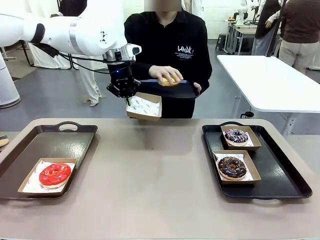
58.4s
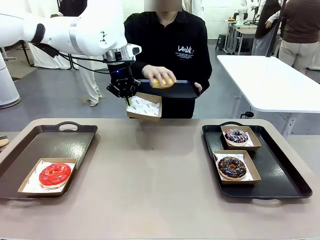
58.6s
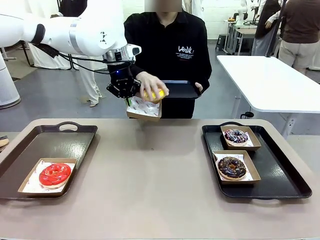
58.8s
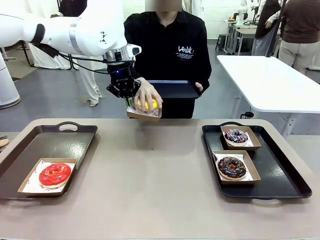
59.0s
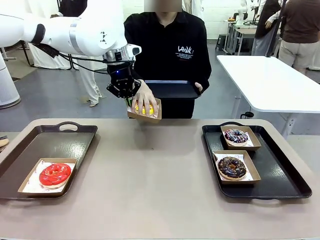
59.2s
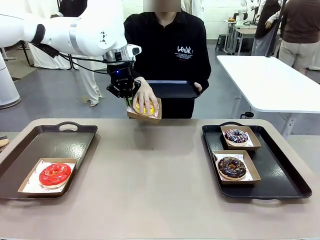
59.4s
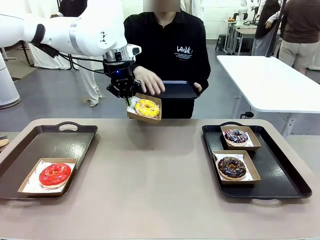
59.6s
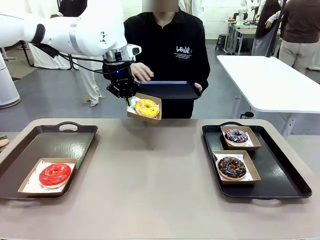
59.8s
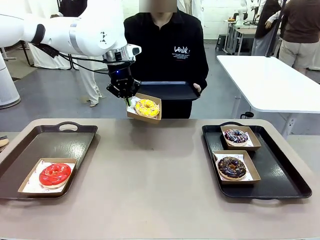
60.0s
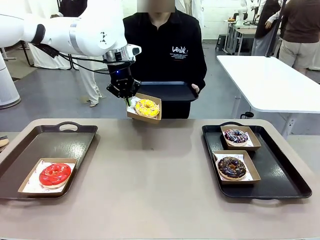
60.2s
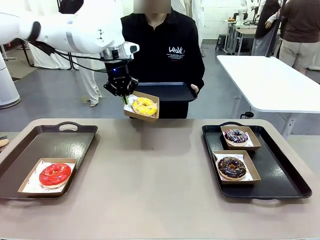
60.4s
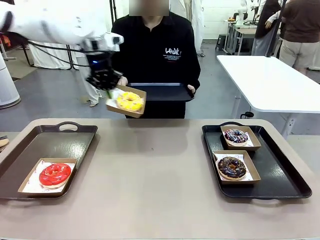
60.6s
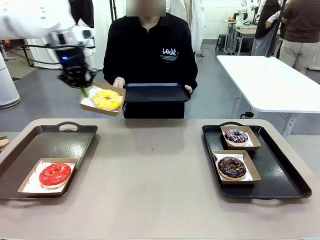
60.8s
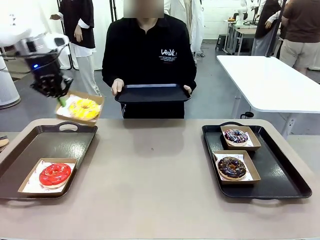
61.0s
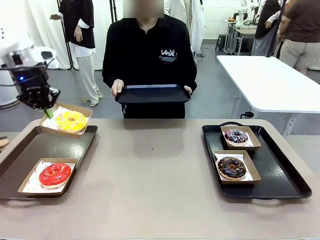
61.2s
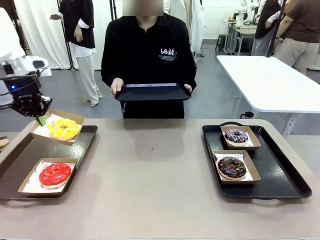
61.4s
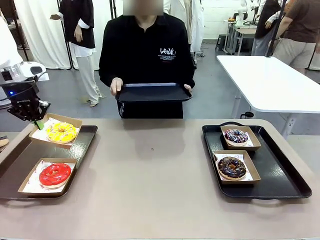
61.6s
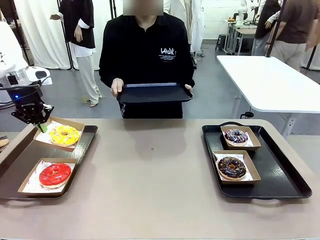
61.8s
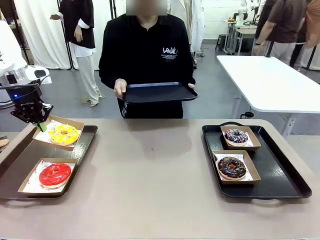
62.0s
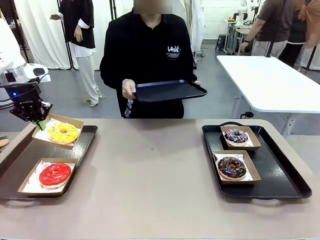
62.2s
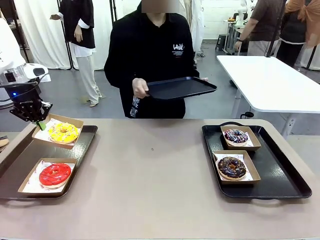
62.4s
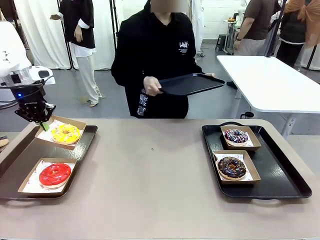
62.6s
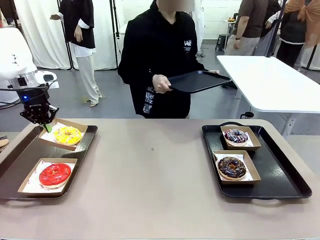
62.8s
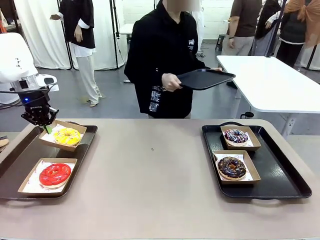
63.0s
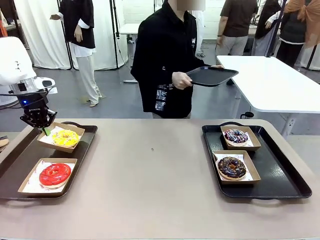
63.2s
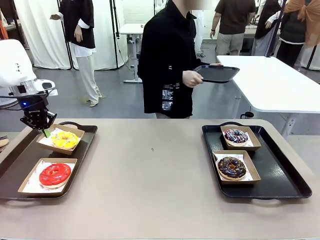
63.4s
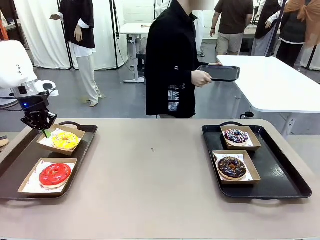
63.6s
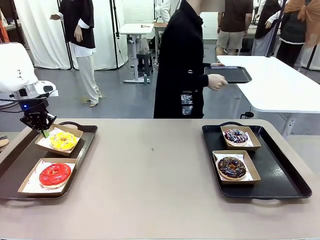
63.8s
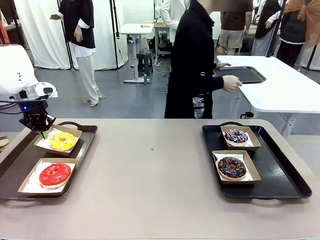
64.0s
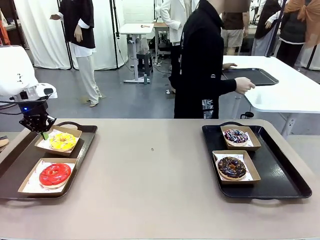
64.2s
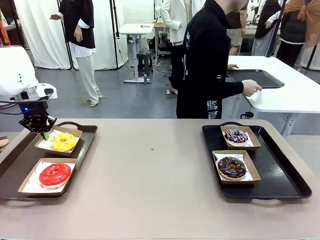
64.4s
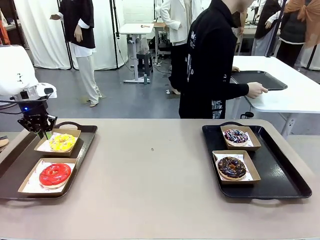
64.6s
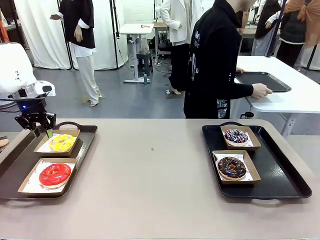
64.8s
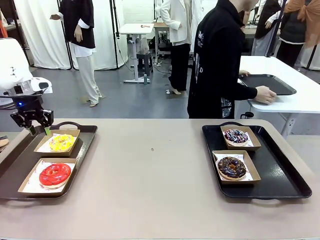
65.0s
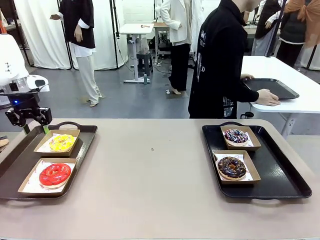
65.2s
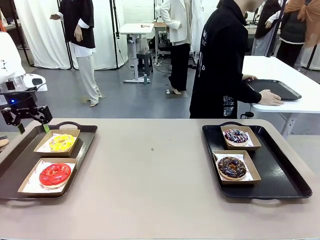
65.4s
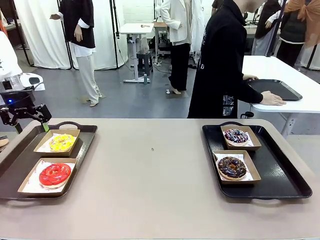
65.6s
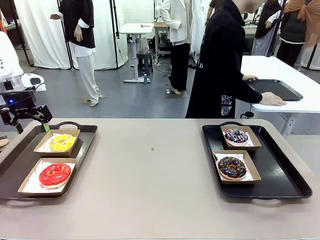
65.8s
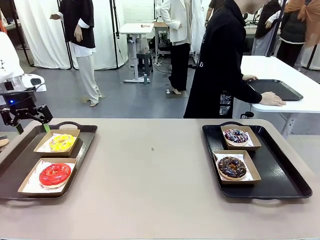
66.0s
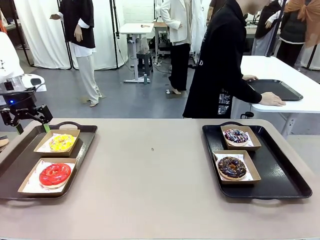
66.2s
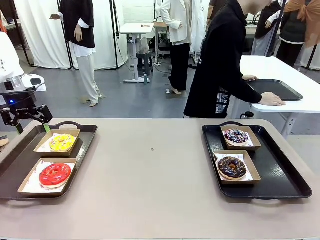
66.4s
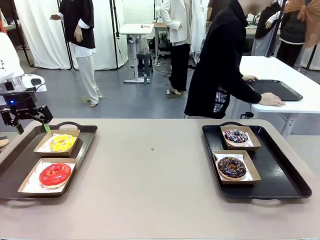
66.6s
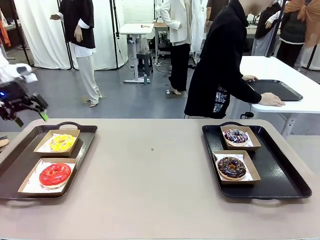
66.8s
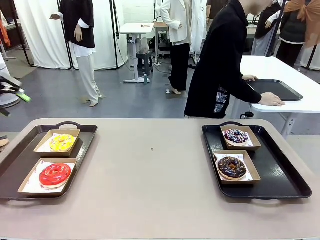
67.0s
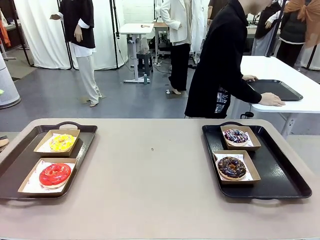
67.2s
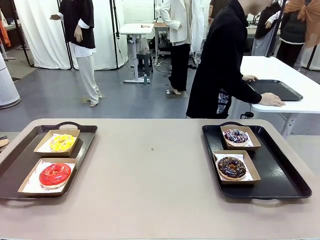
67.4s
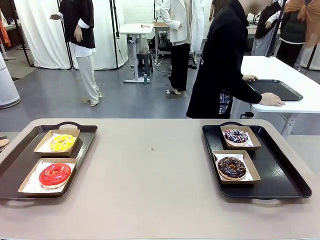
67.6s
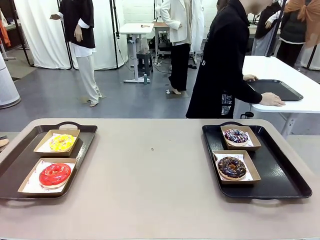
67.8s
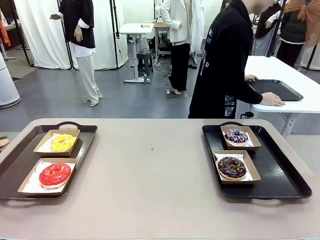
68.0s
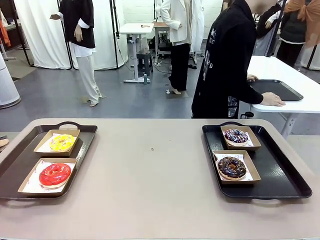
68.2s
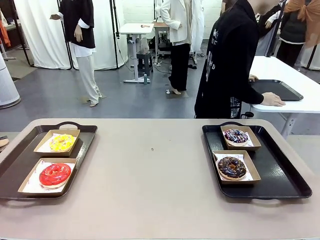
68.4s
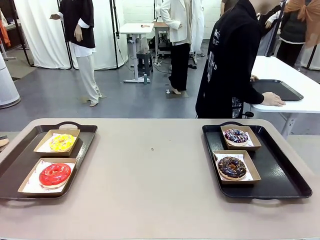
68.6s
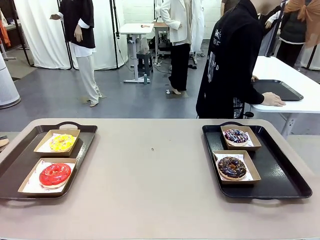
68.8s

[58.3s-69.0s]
Task: Individually package the donuts and arrange them on the tray.
Robot: Place the picked Paper togo box on the Handle tray.
Person: Place the tray down in the middle of the human table.

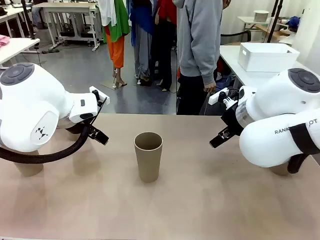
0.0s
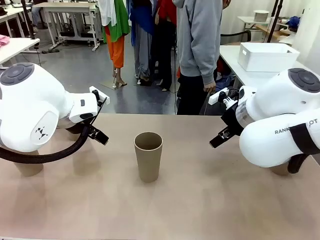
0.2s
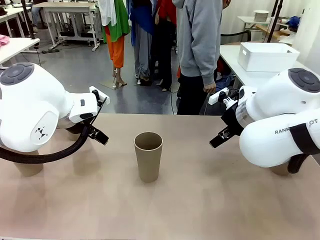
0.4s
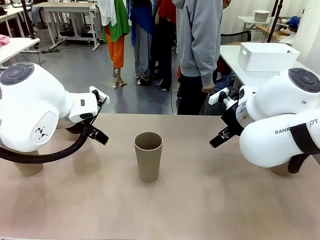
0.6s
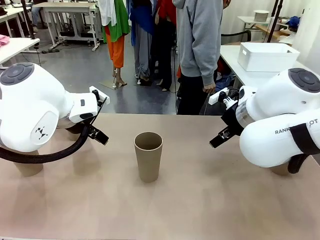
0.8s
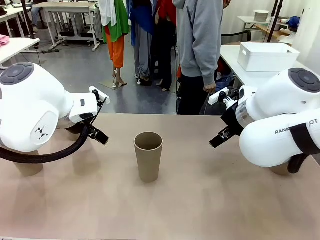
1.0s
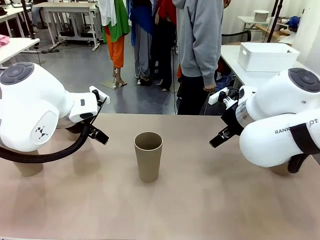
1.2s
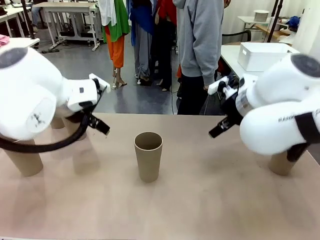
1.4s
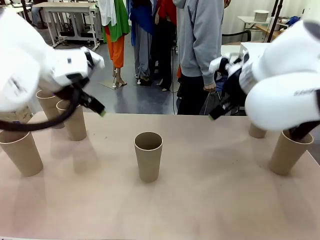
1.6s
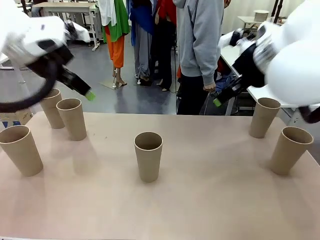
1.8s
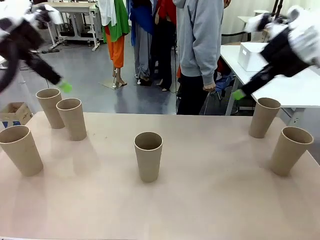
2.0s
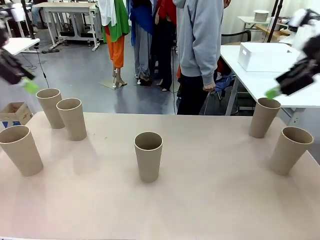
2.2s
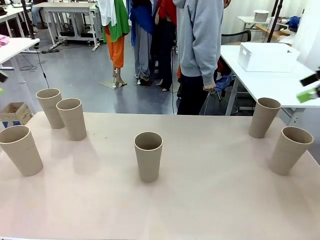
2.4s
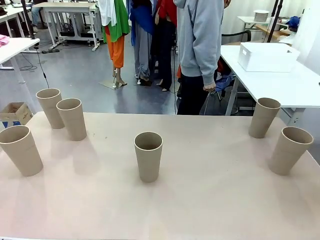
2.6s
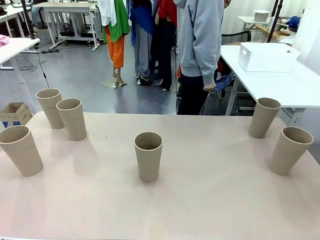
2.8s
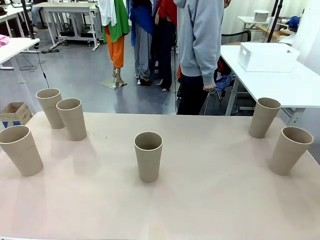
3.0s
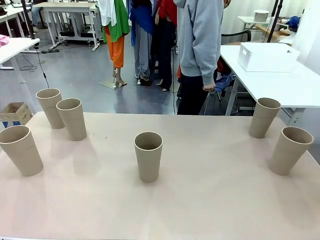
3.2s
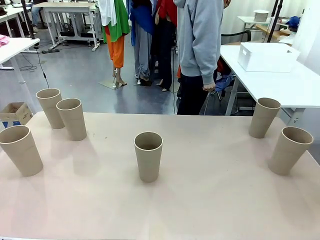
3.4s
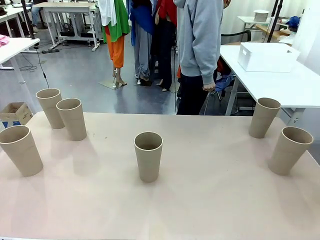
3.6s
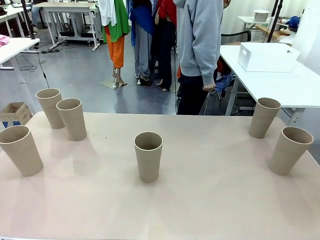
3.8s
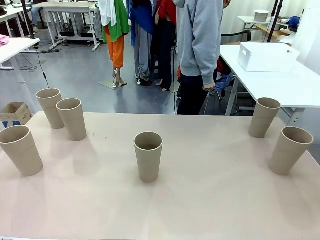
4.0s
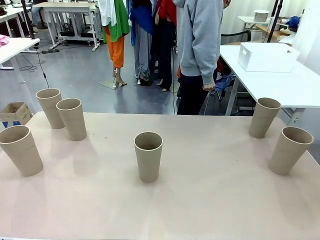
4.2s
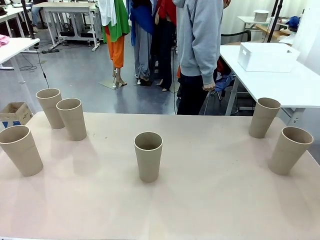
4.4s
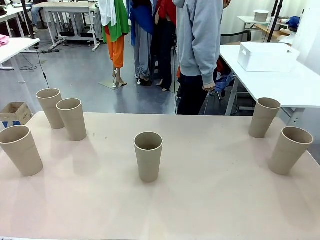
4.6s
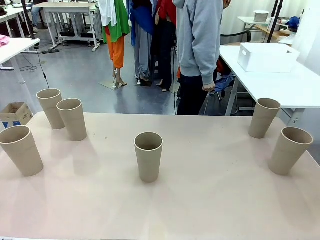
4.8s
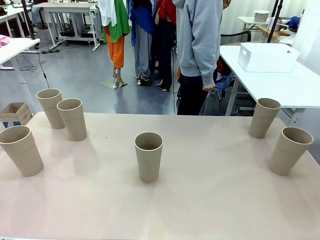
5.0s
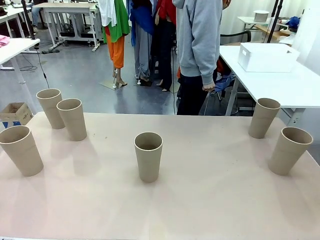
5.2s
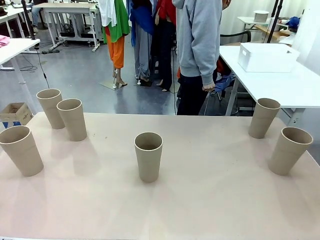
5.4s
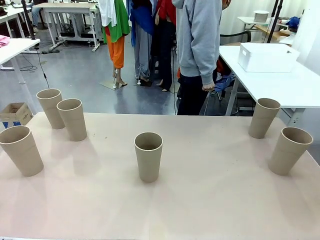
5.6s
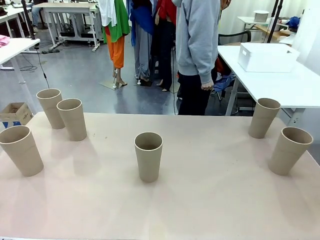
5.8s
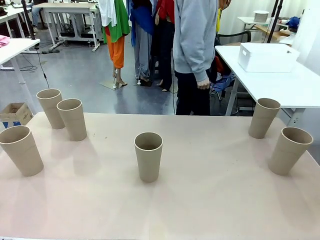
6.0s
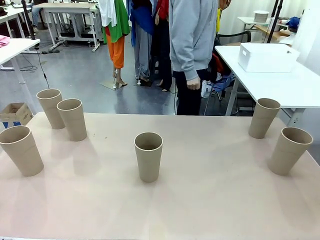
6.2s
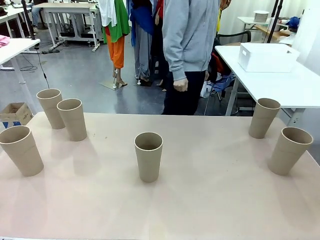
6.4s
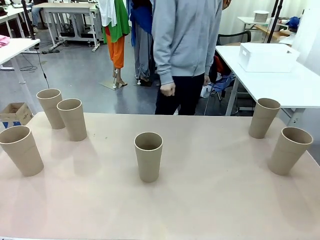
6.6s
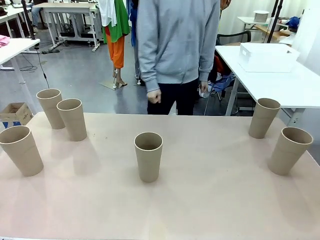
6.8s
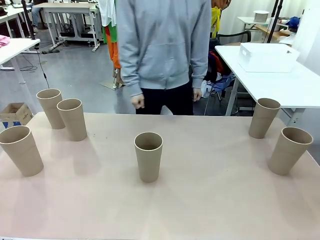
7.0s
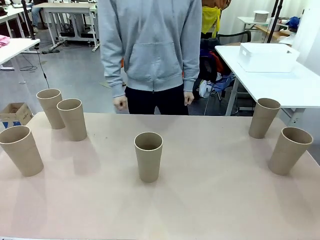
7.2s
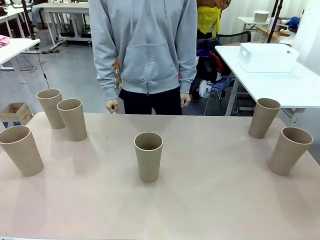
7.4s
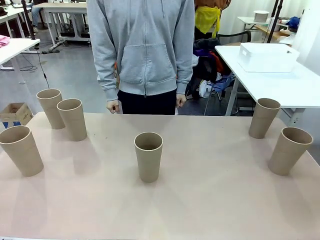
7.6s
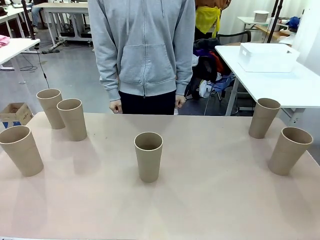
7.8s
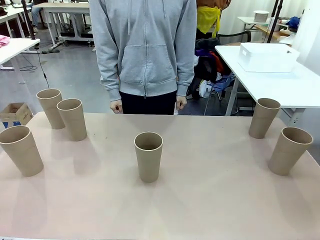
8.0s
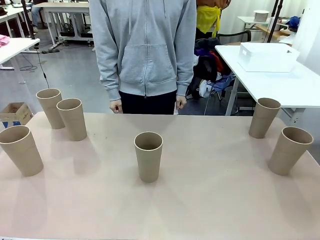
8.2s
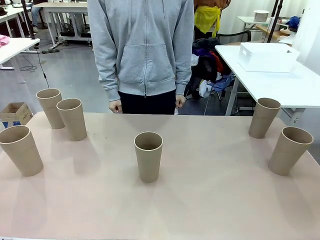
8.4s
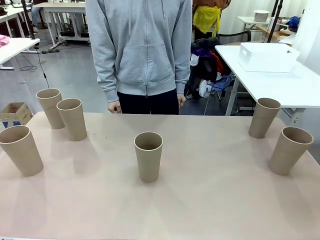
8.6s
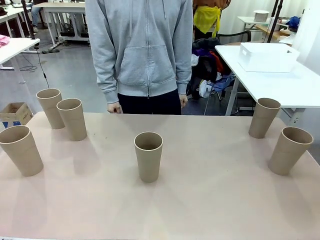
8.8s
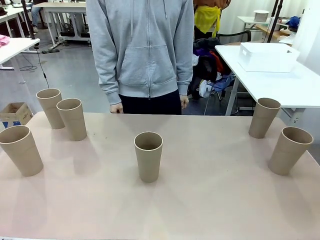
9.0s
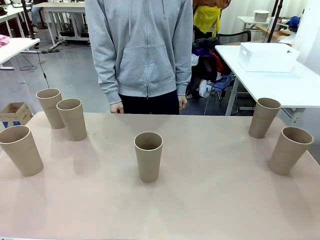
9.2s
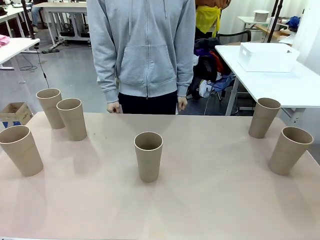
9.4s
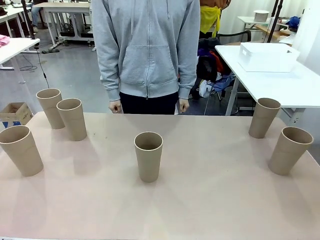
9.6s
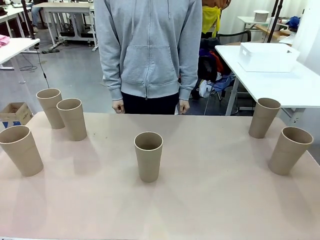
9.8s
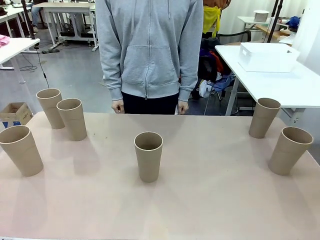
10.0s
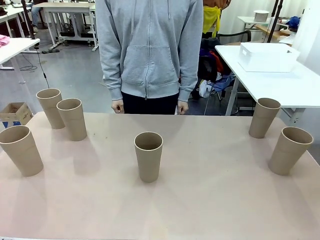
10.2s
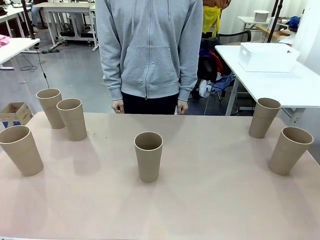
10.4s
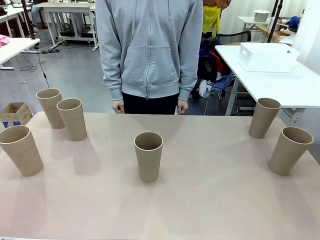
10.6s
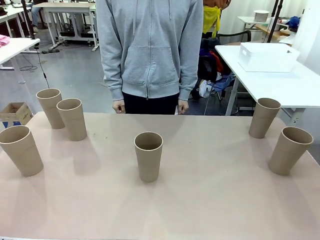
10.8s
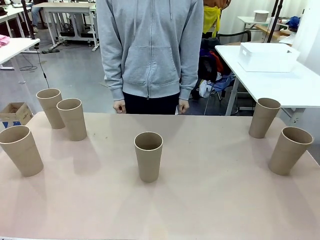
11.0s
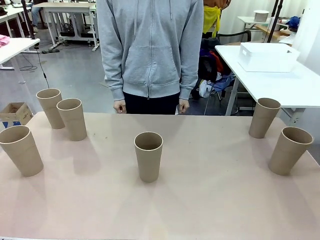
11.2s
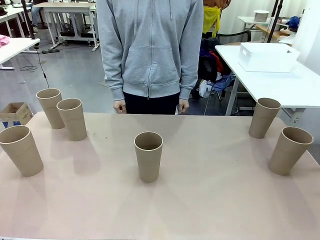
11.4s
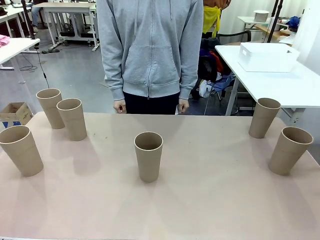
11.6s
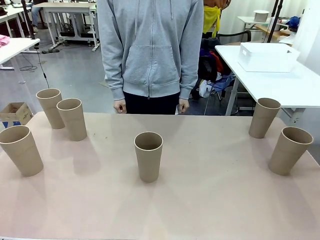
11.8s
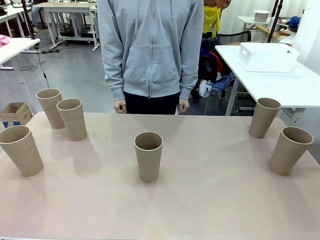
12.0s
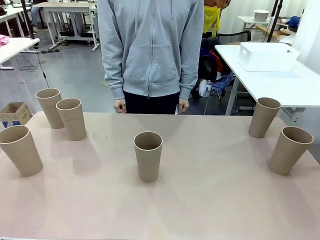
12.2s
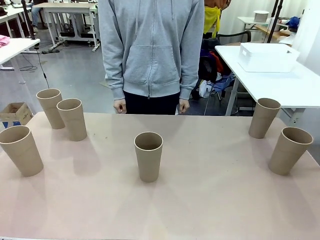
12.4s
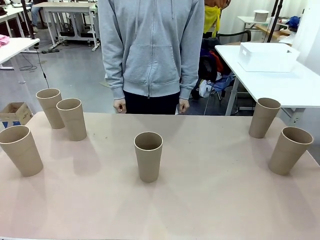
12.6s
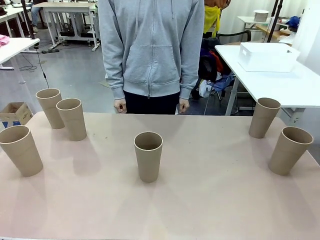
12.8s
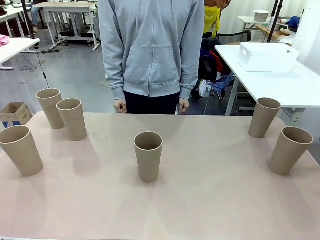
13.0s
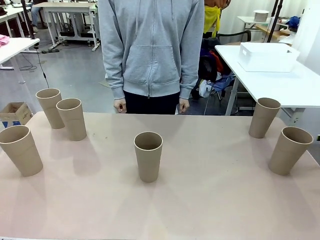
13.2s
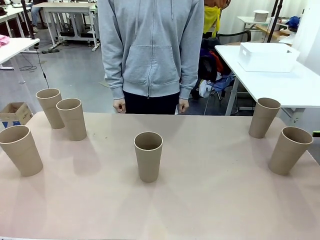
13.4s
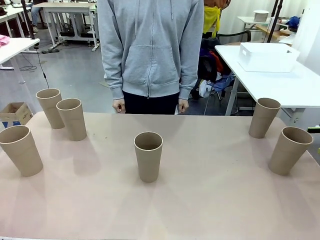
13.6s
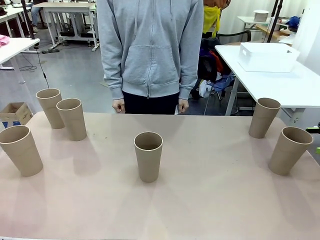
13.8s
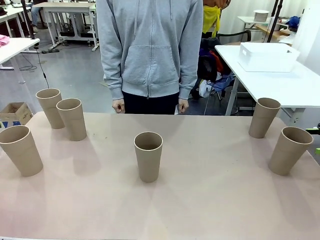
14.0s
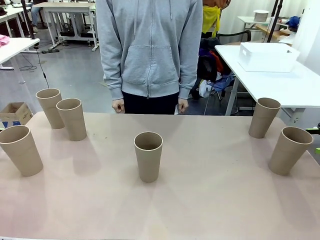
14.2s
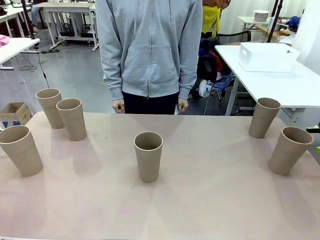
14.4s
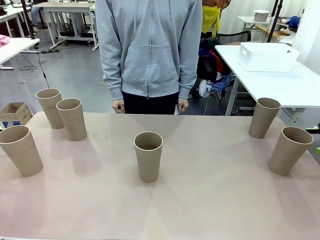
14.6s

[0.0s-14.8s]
Task: Stack the cups and store them in the basket.
Robot: Pick up two Reusable plastic cups , one in each hand.
Person: Move from the Human Table to the front of the Robot Table.
